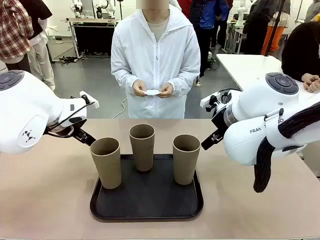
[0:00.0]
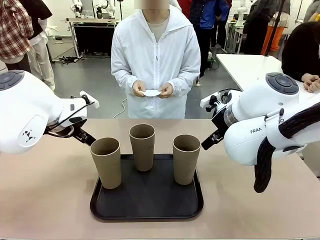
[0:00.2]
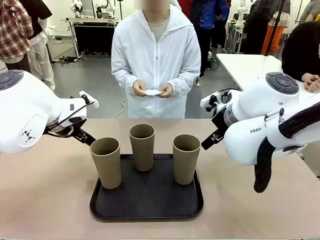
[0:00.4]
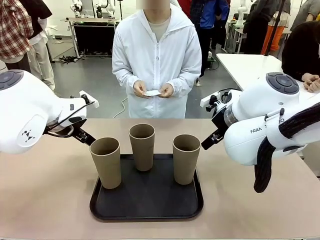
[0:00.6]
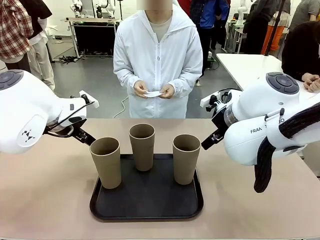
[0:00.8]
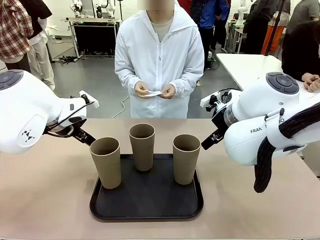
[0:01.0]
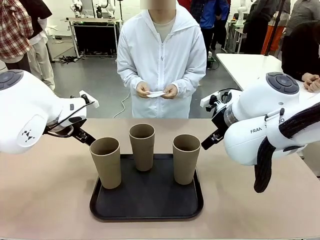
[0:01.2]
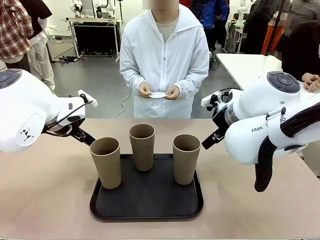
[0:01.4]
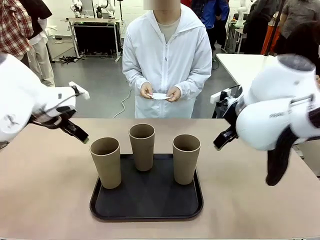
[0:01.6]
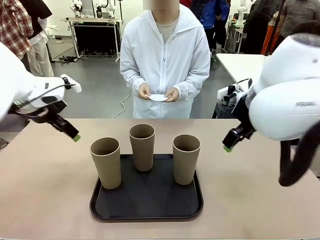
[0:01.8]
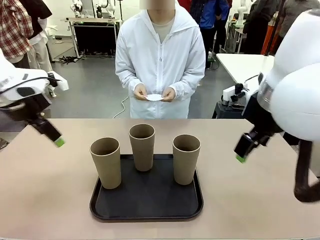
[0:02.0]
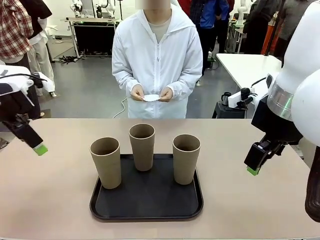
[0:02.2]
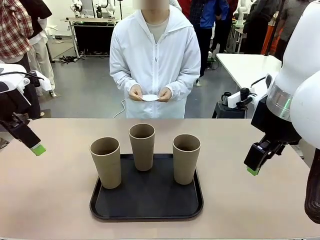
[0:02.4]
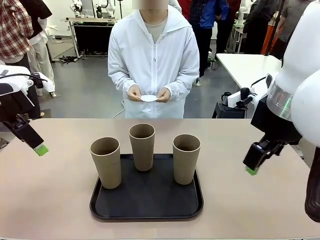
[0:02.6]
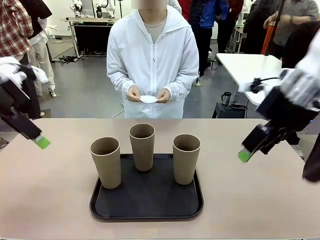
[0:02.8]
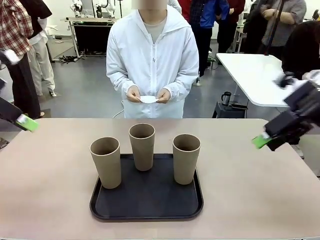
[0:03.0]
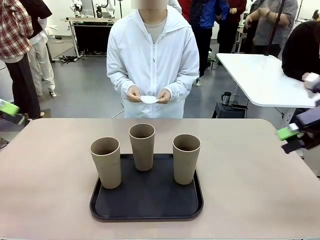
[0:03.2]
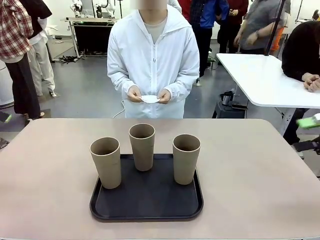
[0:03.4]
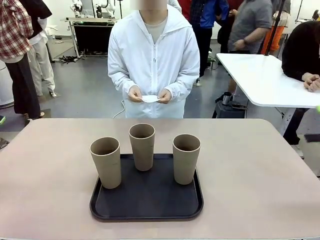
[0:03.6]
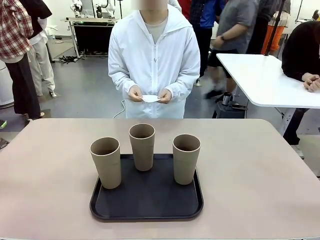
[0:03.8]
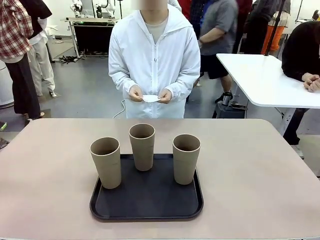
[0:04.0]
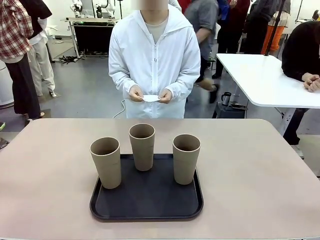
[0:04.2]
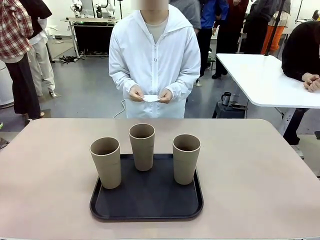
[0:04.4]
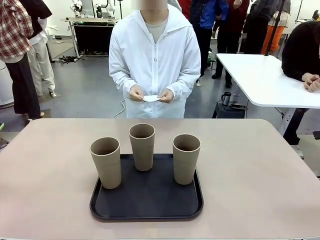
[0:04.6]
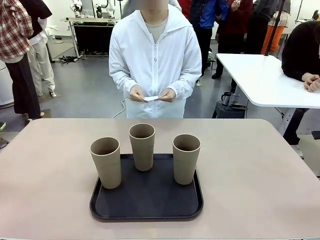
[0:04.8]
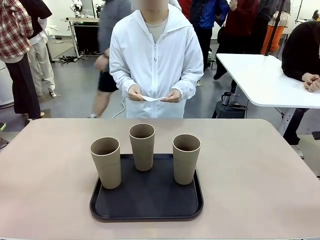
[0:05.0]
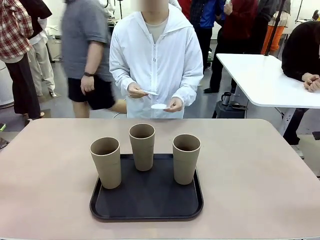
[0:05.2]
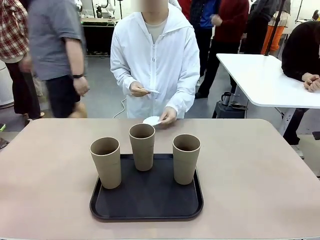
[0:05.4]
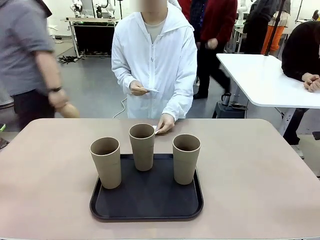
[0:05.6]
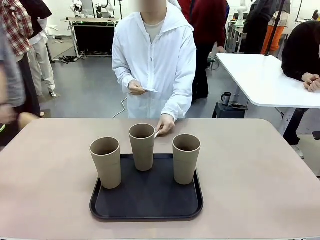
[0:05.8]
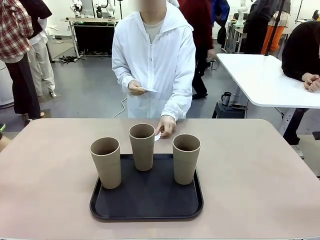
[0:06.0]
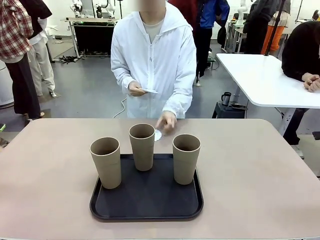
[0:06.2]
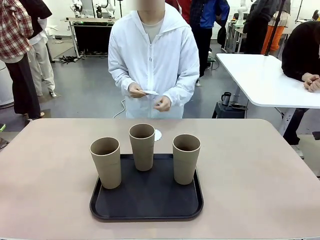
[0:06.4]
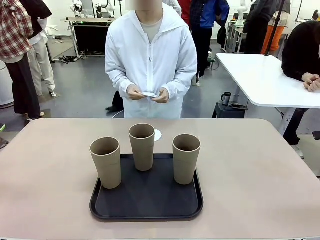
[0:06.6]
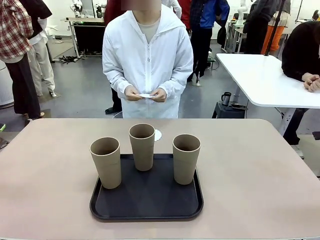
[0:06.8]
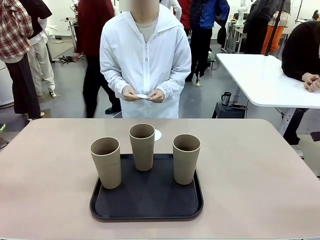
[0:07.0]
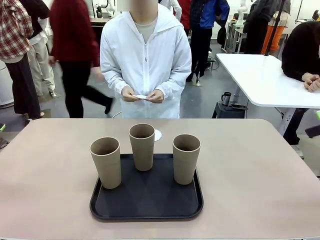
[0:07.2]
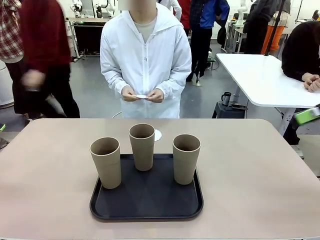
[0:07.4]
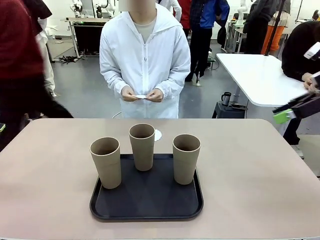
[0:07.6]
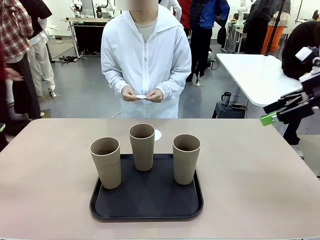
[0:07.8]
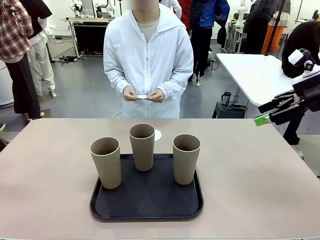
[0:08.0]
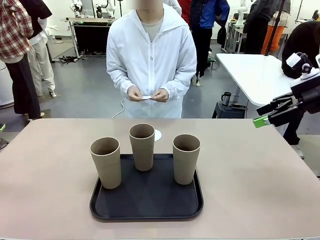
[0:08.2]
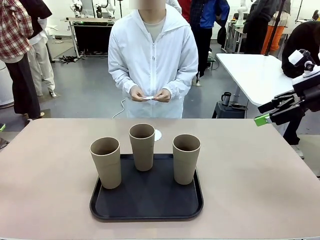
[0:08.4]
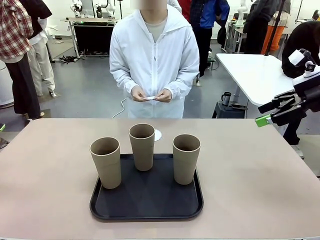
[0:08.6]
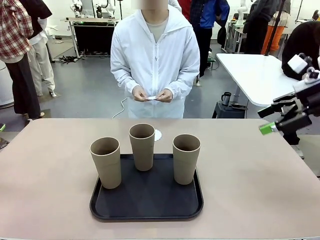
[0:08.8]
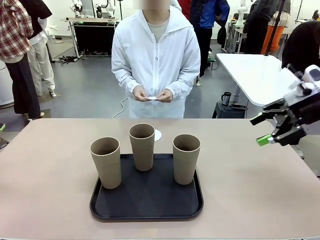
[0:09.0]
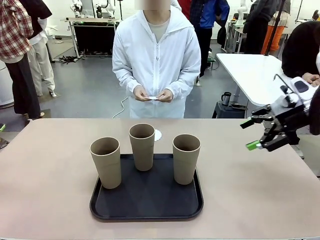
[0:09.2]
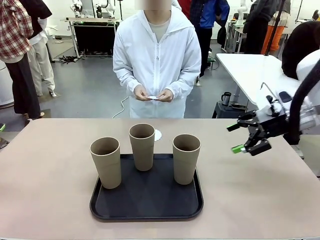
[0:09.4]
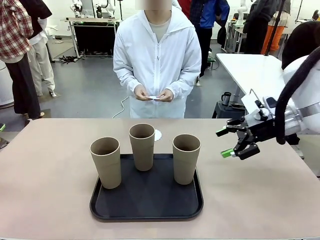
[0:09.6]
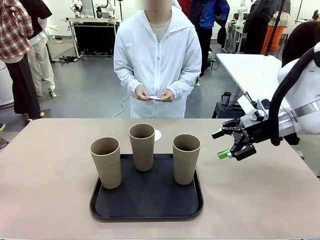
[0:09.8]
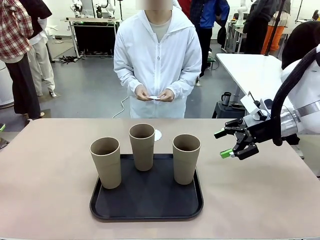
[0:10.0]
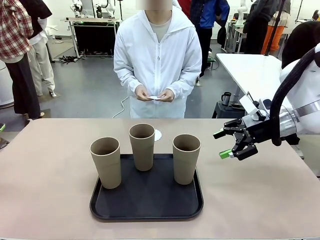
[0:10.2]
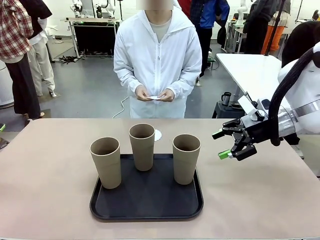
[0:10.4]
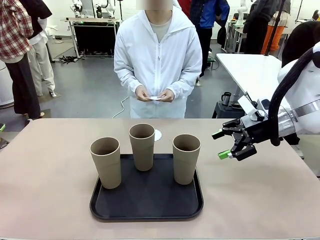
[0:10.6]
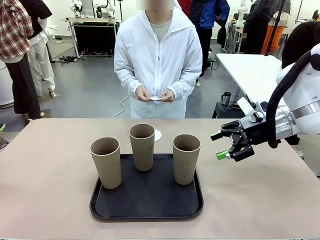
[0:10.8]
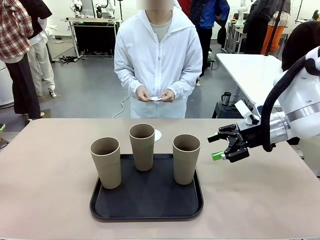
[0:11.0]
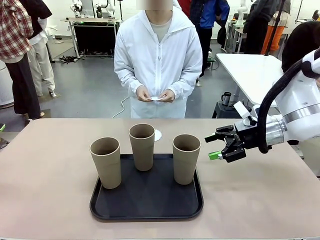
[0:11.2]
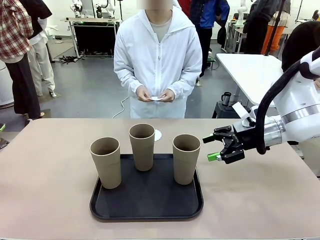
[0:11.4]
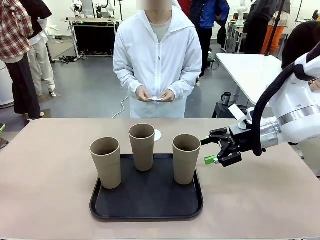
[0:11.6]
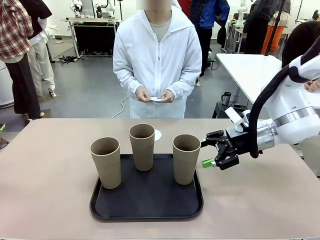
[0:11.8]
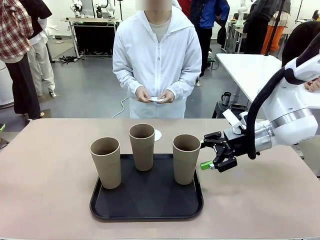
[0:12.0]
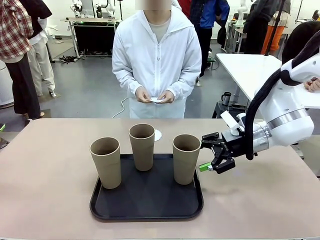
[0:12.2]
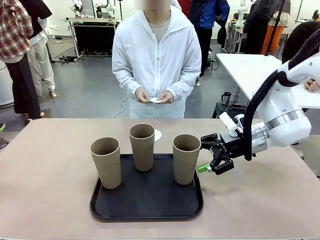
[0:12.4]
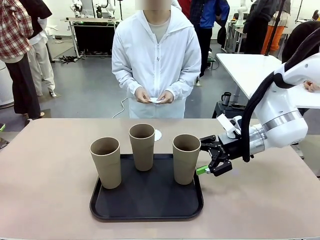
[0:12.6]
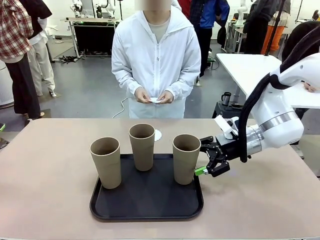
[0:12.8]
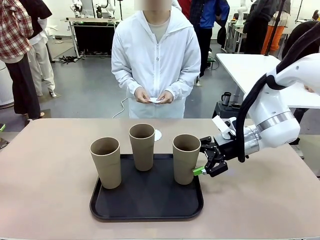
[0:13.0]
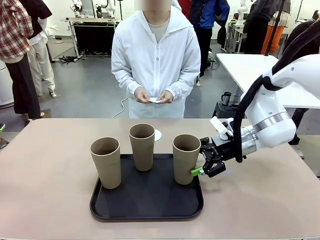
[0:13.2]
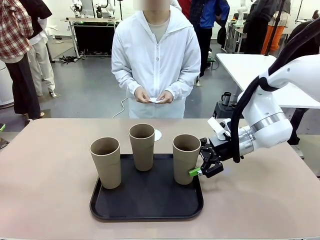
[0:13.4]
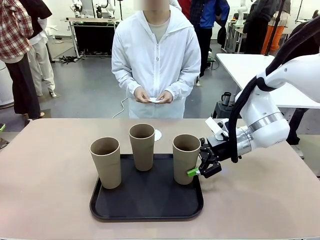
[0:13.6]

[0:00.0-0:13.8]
Task: Place coasters on the table and set cups on them.
Robot: Pick up one Reusable plastic cup and place it on a coaster set by the human.
Person: Place one coaster in any one of the three lower areas of the robot table (left, center, or right).
